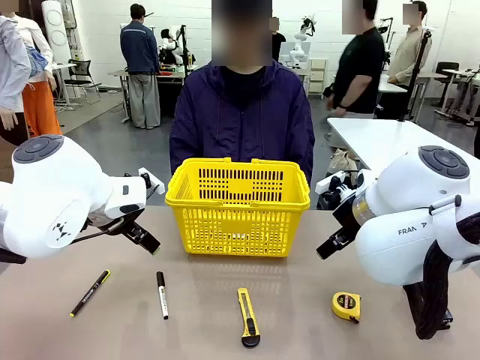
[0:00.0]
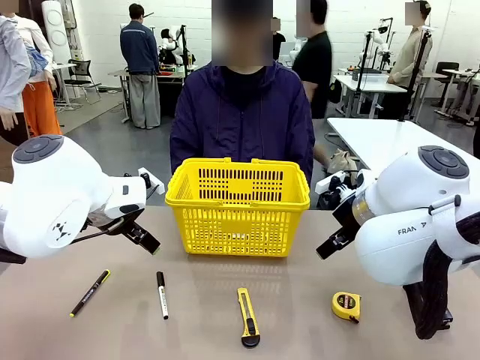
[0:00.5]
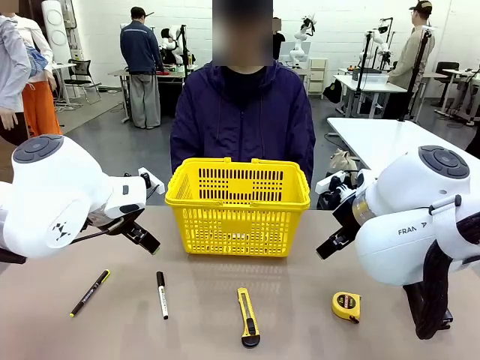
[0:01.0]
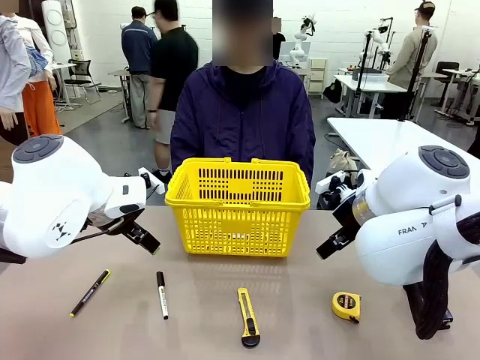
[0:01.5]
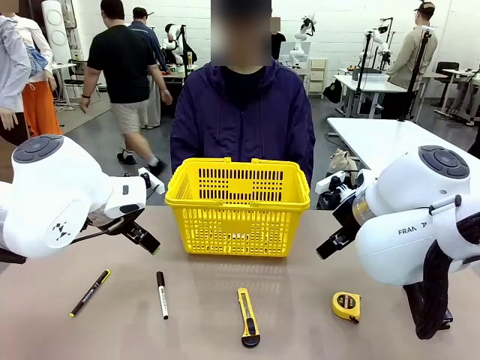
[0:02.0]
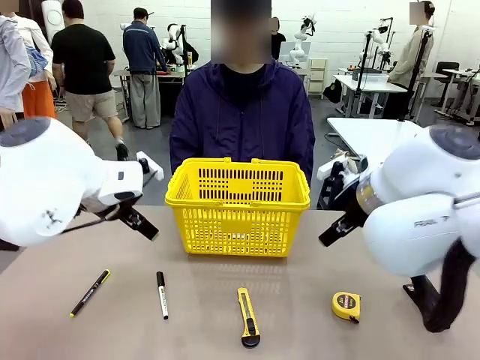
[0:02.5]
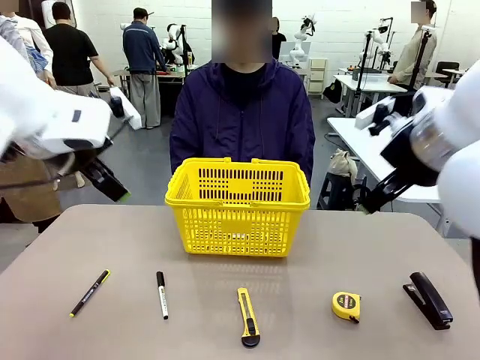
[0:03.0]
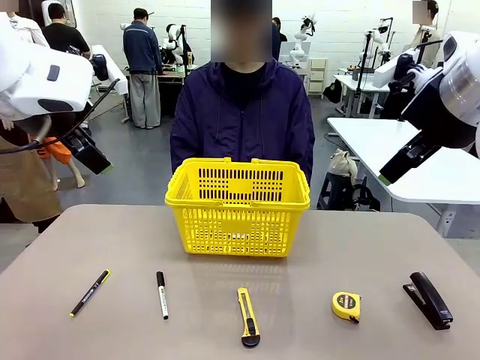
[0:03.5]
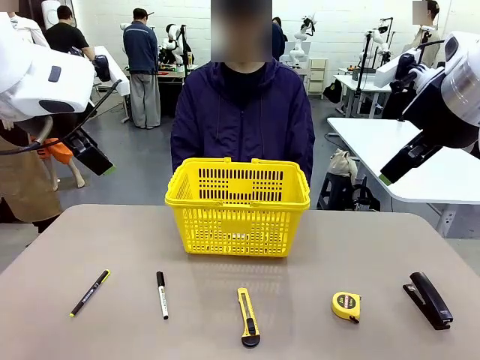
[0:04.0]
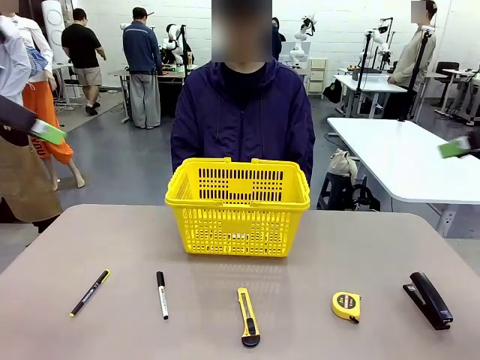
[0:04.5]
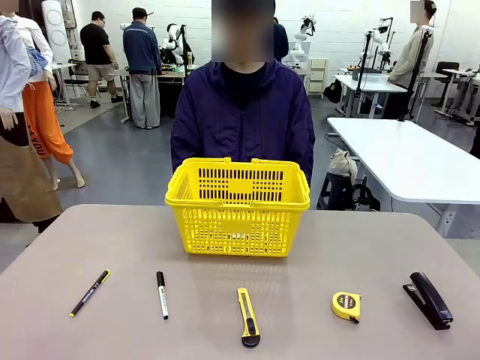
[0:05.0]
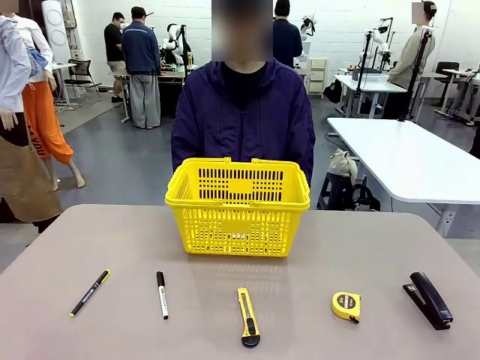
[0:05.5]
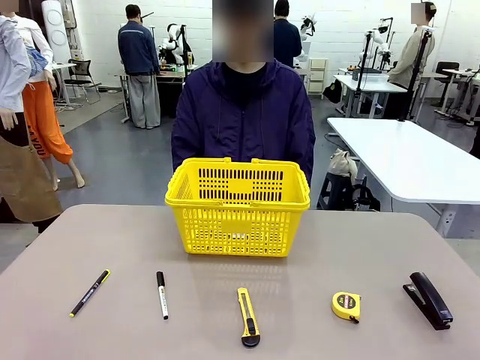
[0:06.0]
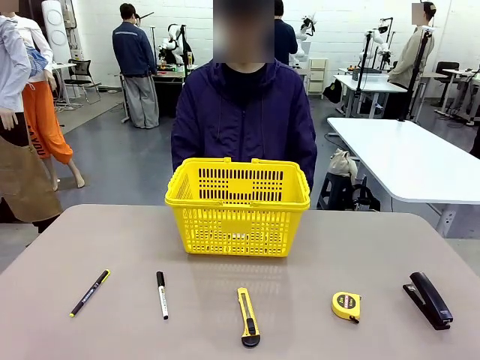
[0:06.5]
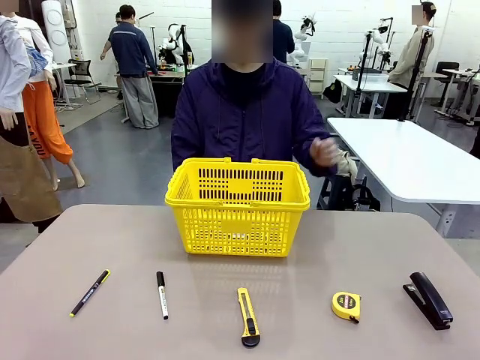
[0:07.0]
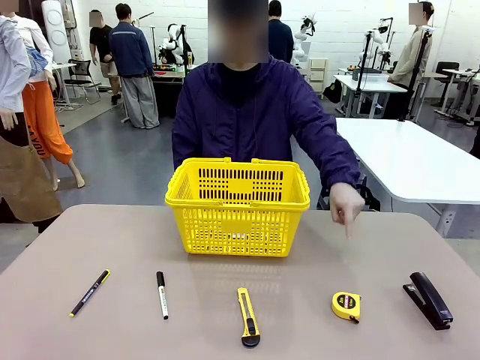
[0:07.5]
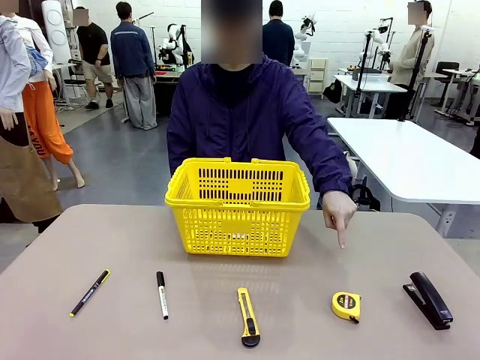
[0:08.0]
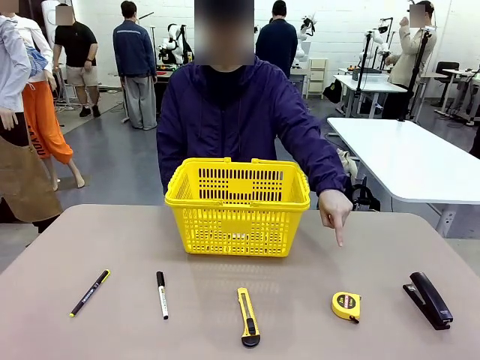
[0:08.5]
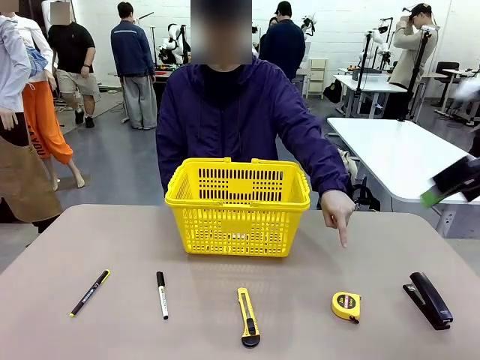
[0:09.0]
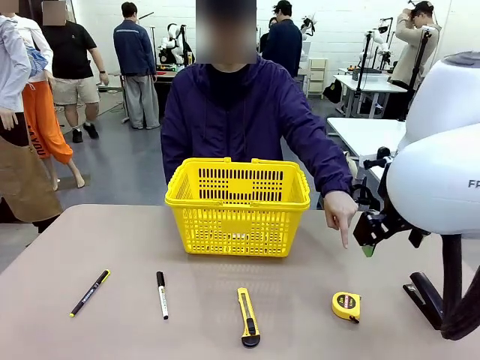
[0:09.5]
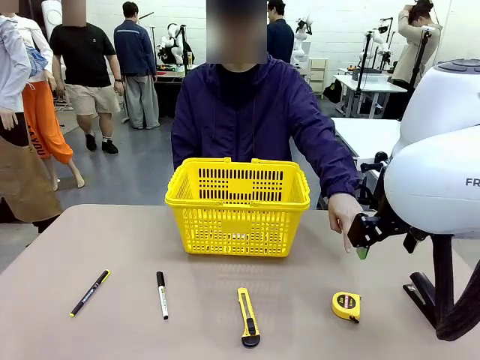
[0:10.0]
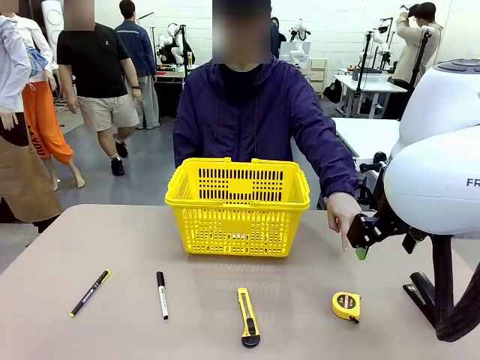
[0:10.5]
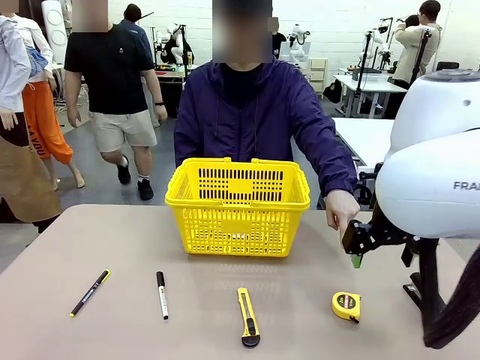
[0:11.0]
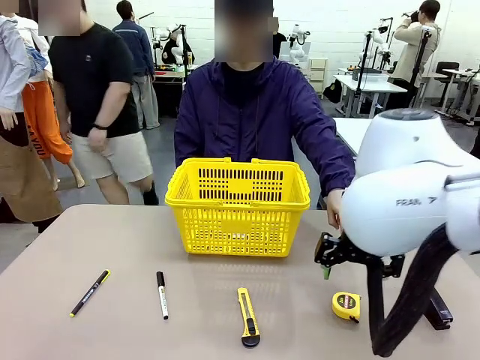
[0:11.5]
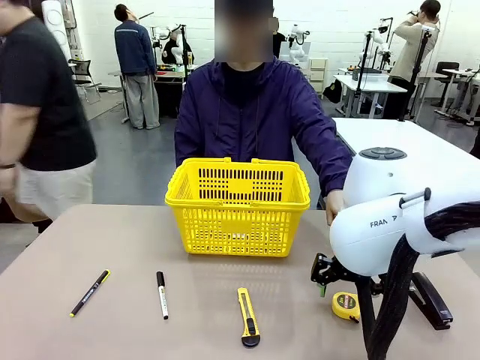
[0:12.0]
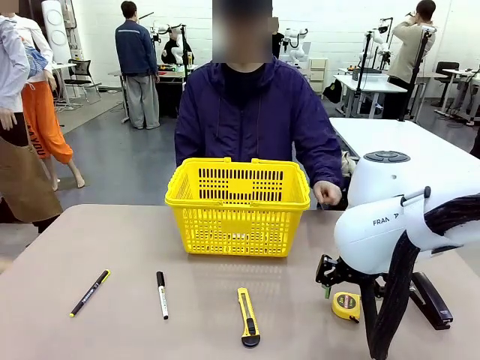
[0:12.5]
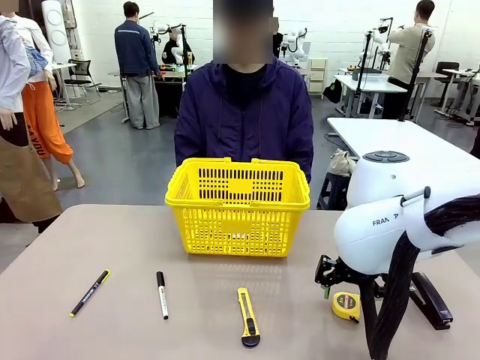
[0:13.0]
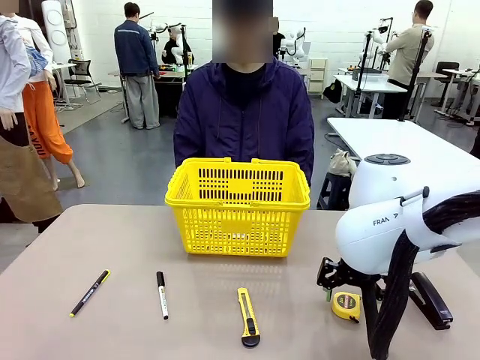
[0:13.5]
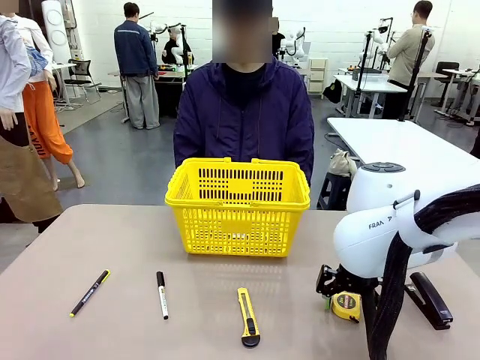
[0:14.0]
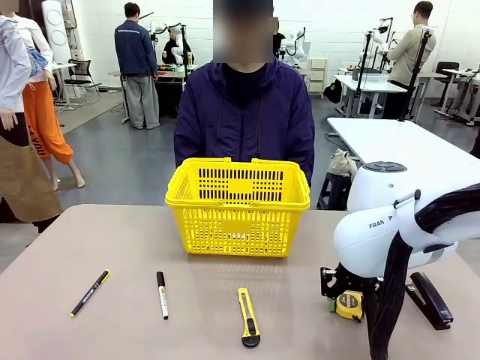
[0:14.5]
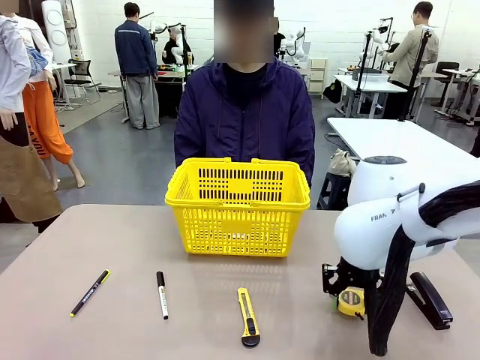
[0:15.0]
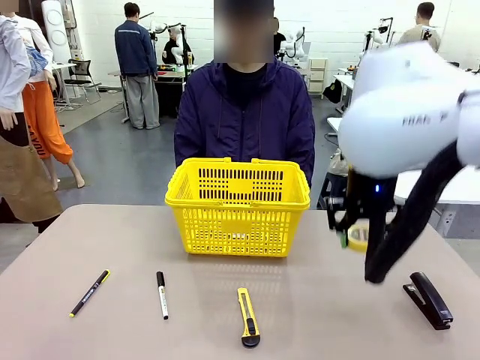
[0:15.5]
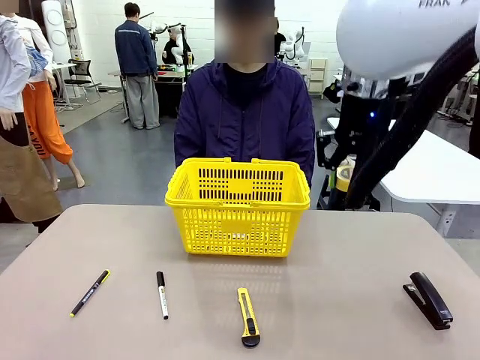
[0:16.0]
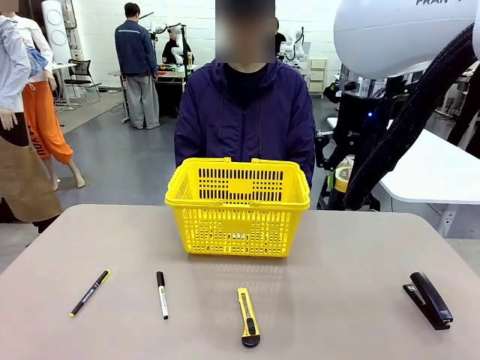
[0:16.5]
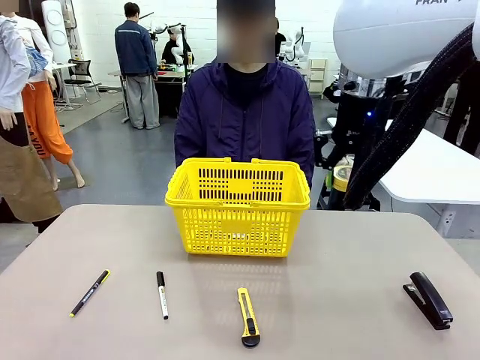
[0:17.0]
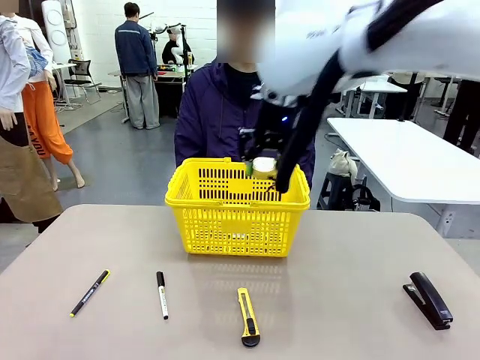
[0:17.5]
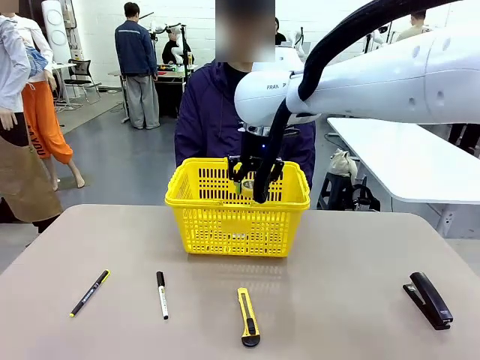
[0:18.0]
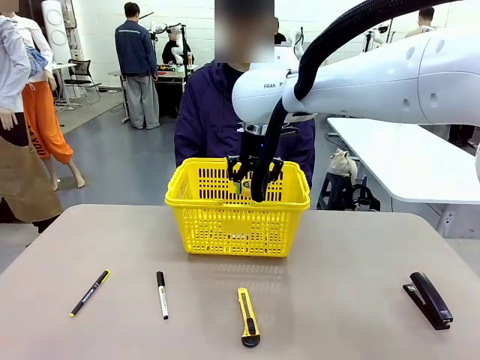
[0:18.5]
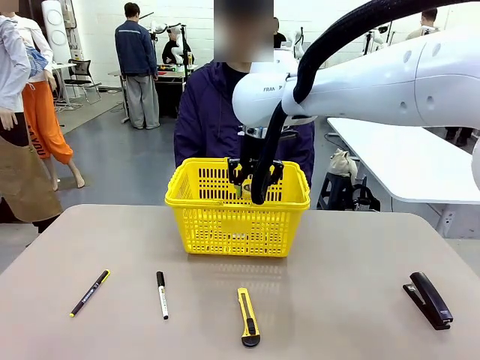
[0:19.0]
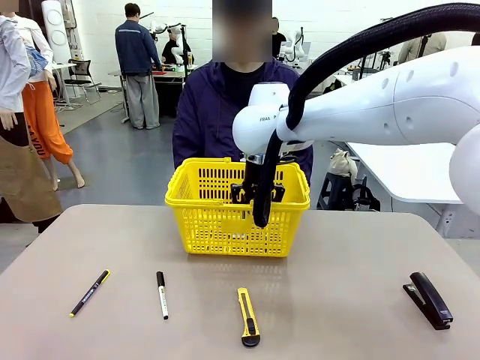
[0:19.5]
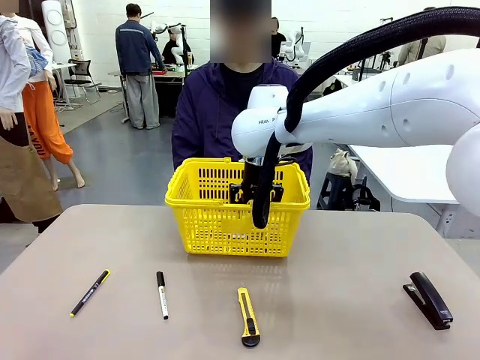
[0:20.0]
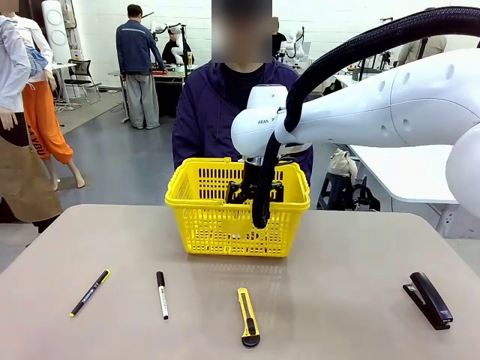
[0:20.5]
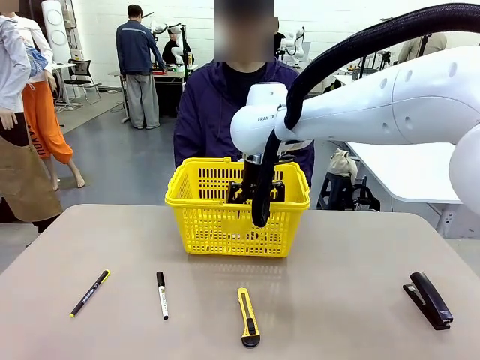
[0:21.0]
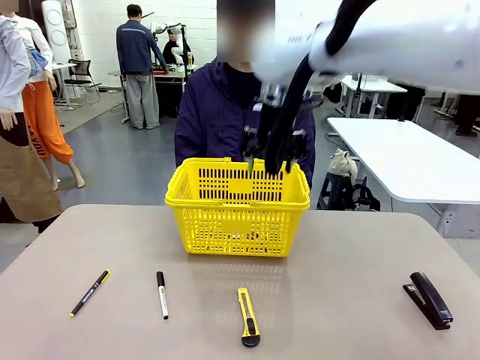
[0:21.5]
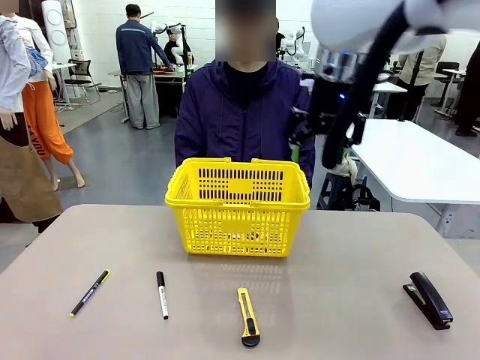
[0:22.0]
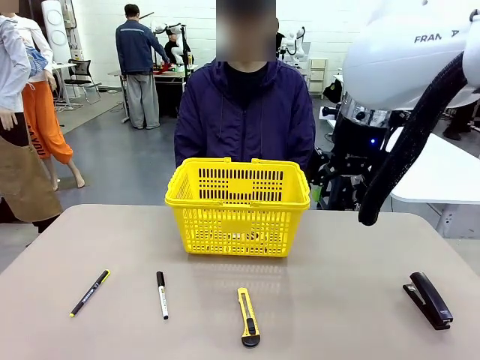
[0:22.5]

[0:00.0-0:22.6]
Task: Place the items the person wants into the basket.
Robot: Pick up the item the person points to and place it in the Market Basket.
